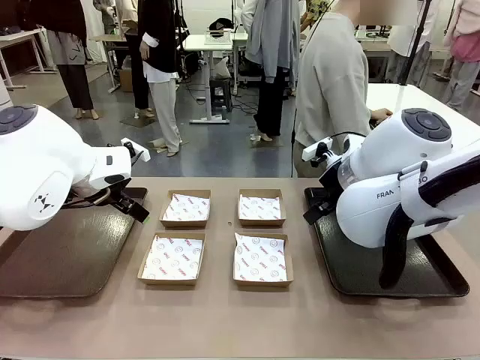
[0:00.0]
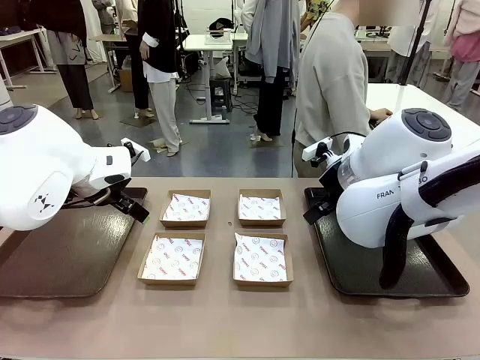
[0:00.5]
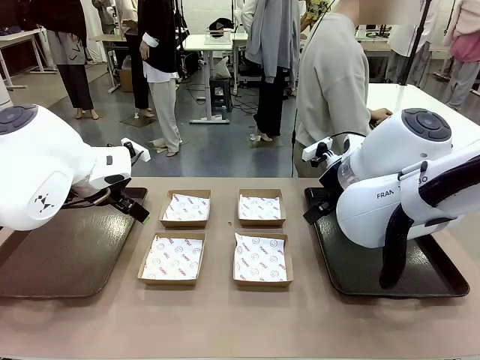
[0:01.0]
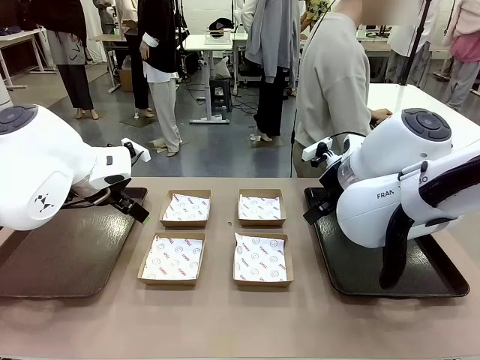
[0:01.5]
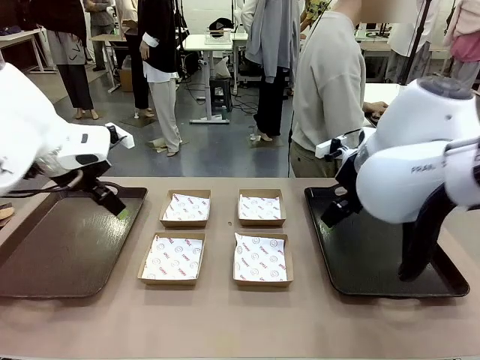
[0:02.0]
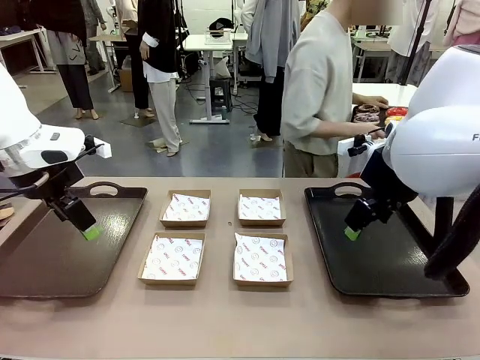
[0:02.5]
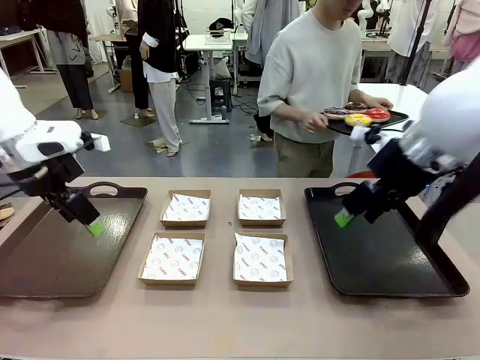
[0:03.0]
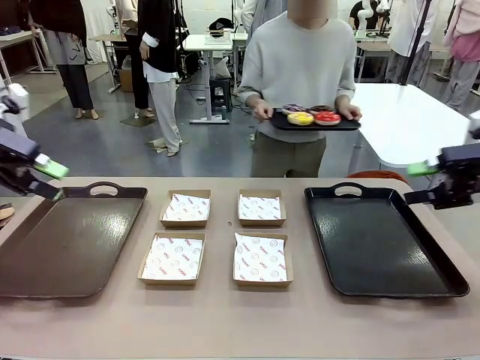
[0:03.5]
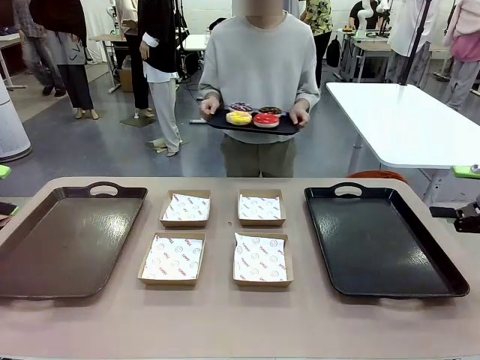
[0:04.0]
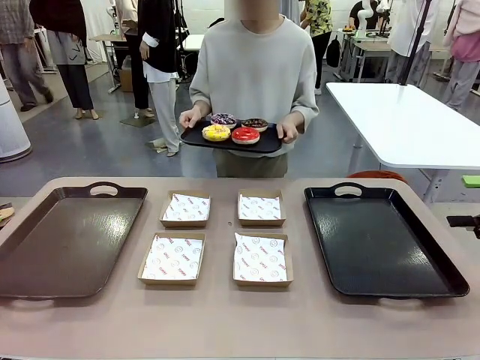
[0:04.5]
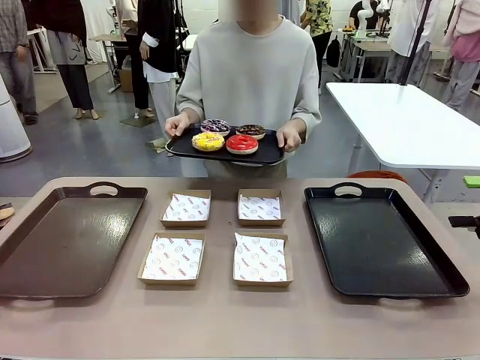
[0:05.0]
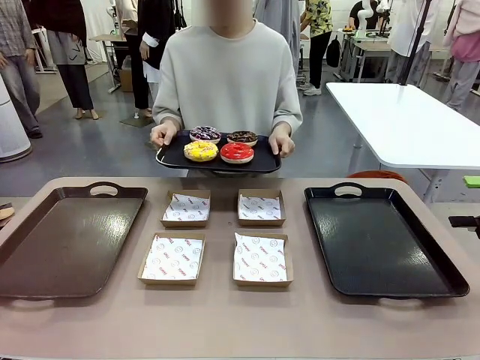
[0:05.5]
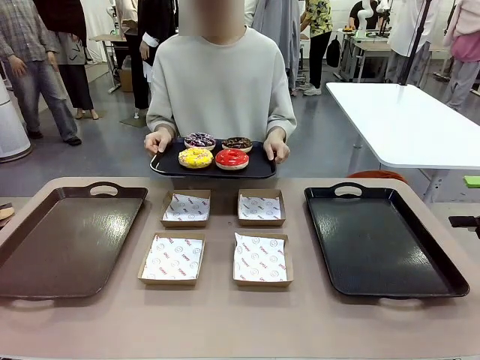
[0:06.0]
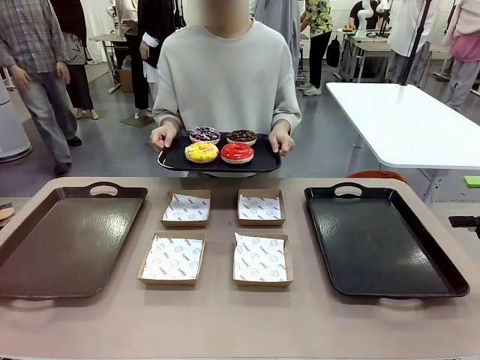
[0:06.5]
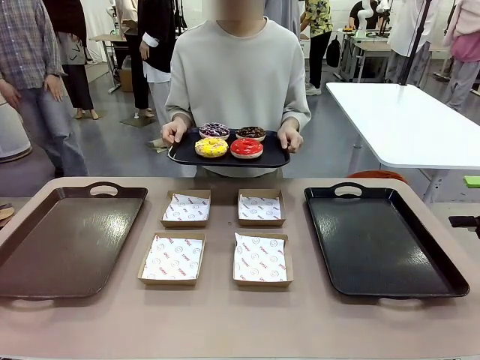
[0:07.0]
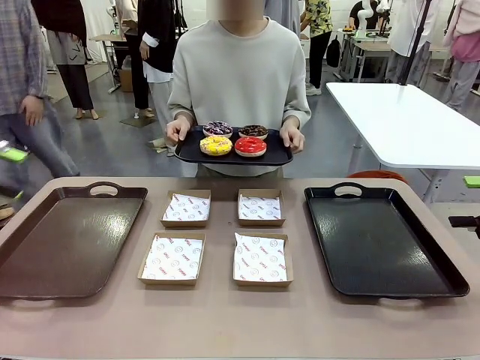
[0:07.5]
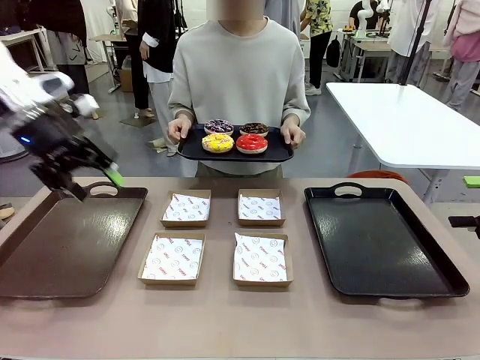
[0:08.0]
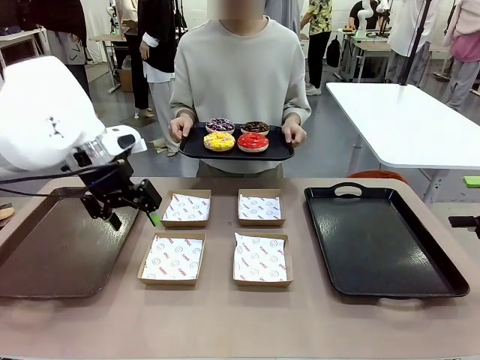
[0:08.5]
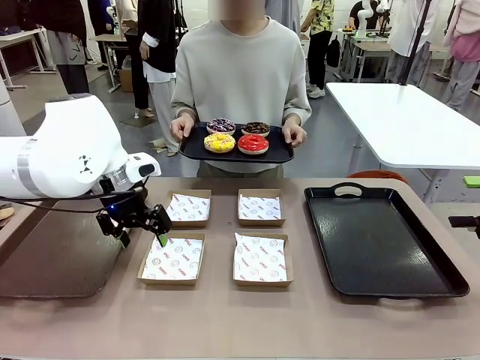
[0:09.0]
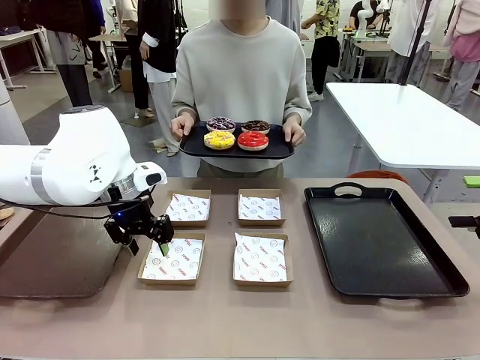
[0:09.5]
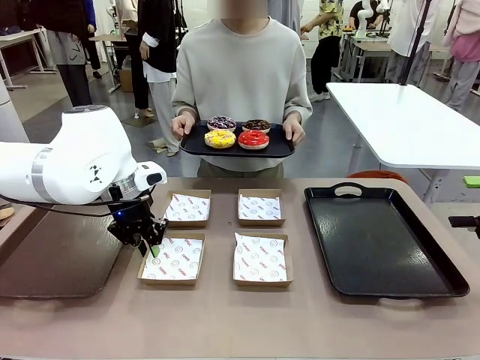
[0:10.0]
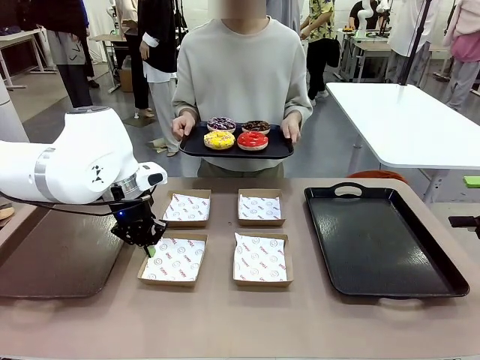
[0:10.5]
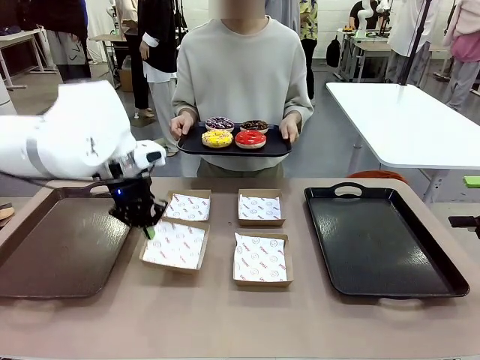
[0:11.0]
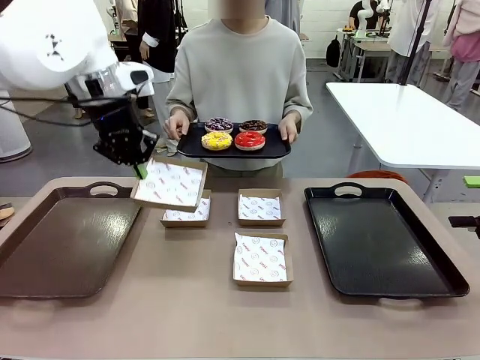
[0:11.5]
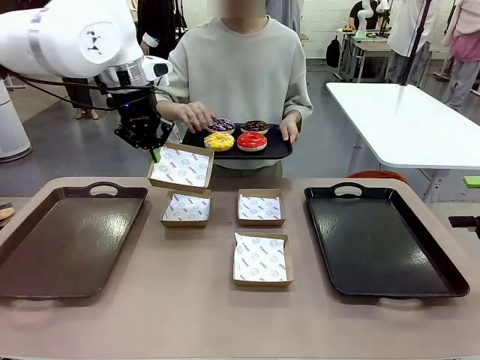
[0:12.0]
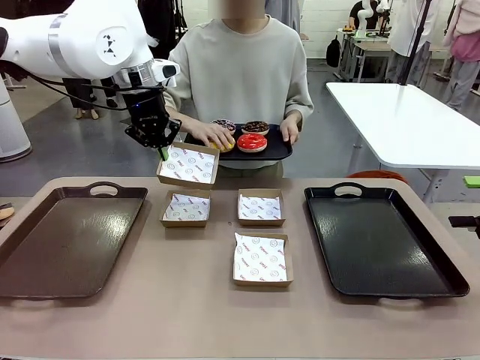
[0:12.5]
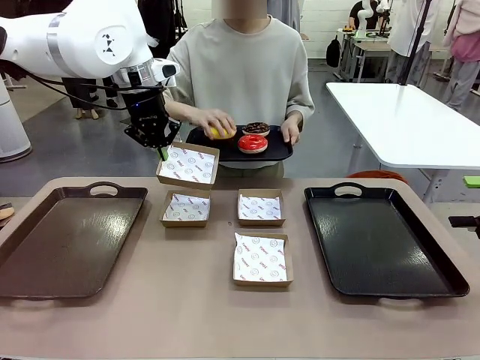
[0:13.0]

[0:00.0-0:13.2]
Task: Individually package the donuts and arrange them on the tray.
Robot: Pick up one Paper togo box.
Person: Stand in front of the robot table holding the tray containing the donuts.

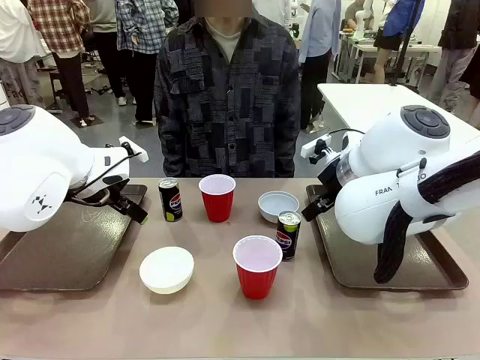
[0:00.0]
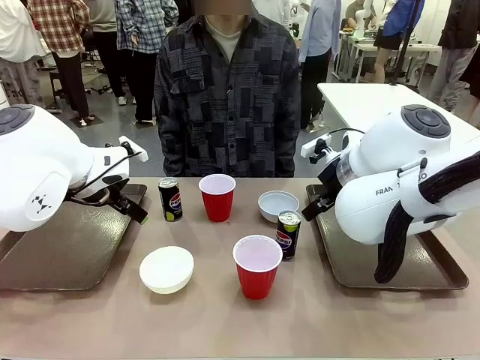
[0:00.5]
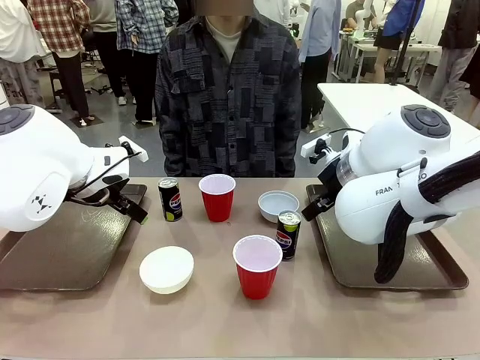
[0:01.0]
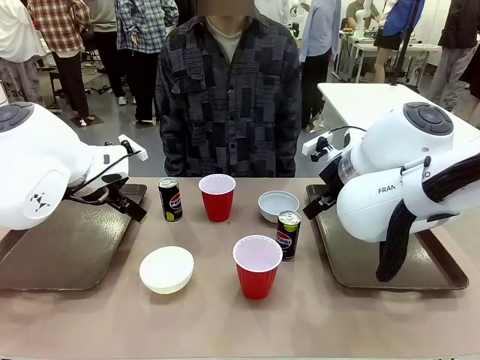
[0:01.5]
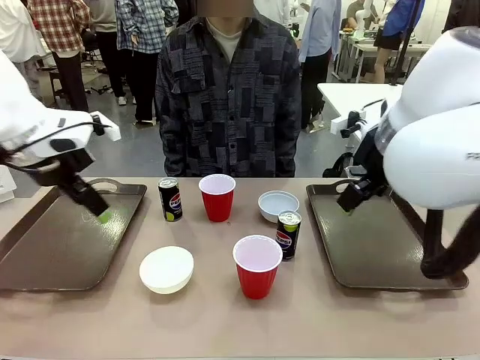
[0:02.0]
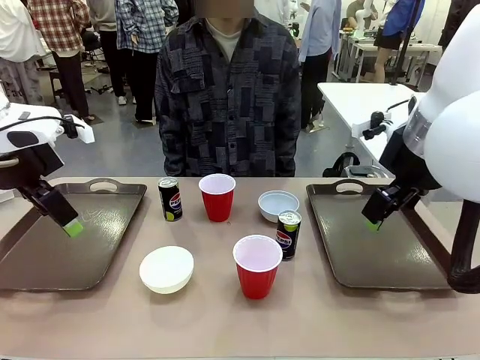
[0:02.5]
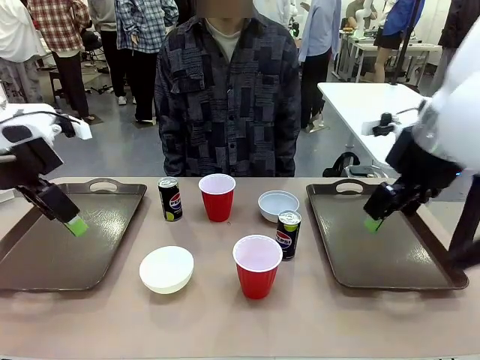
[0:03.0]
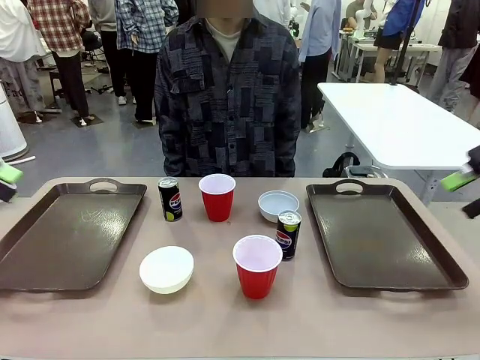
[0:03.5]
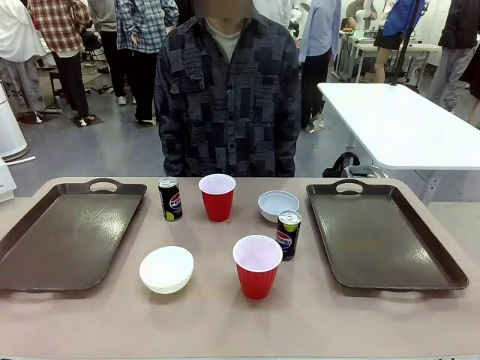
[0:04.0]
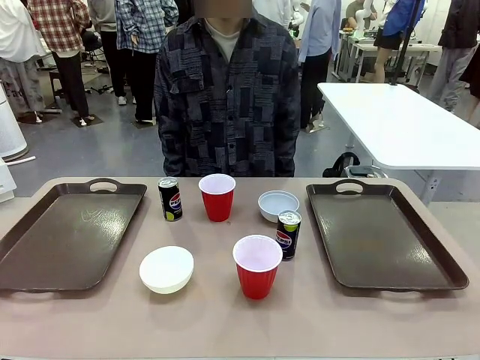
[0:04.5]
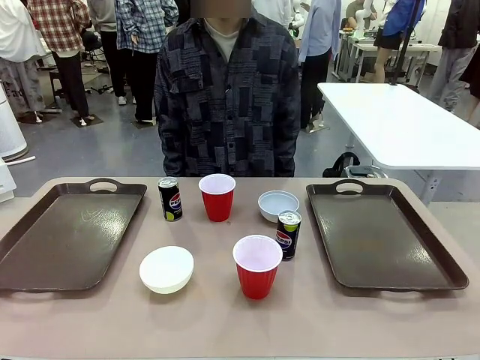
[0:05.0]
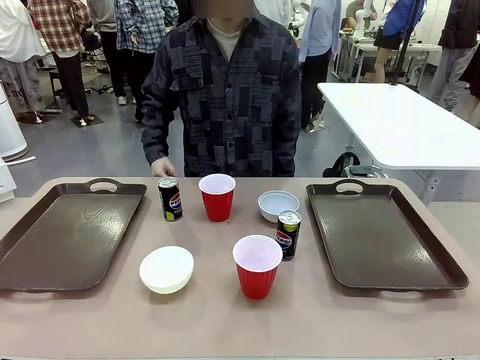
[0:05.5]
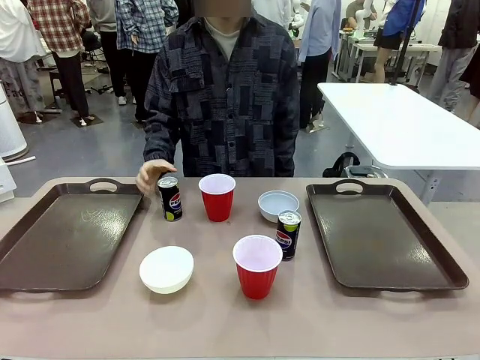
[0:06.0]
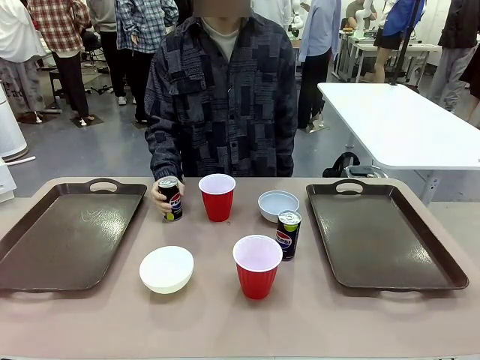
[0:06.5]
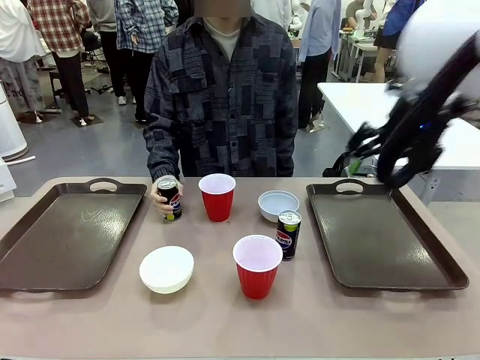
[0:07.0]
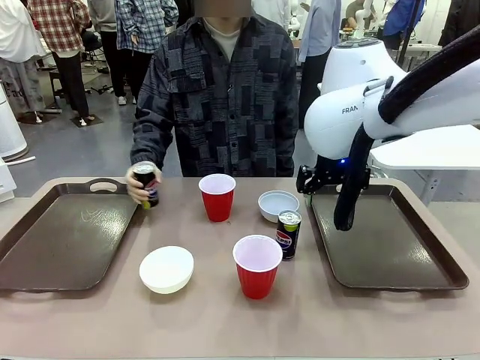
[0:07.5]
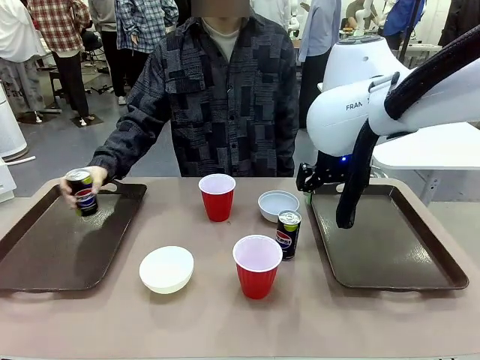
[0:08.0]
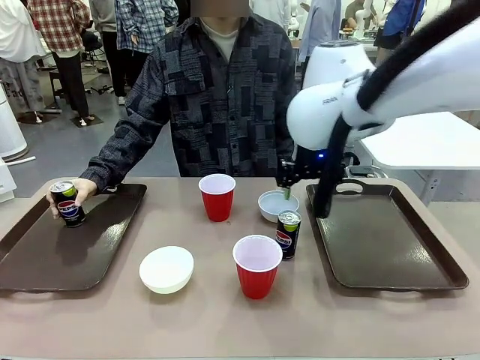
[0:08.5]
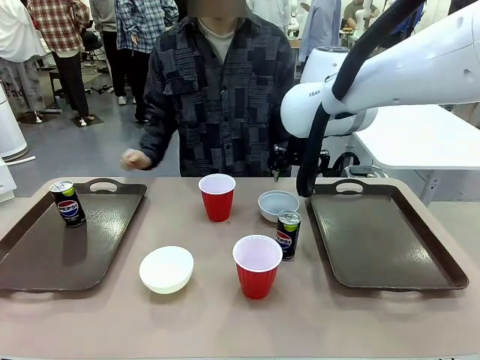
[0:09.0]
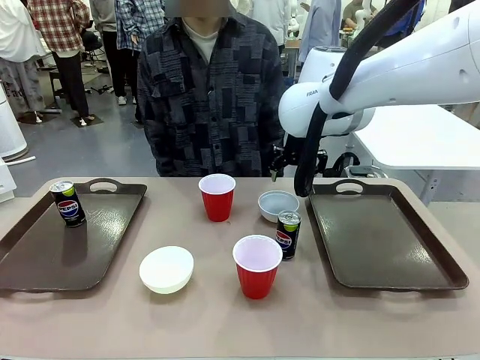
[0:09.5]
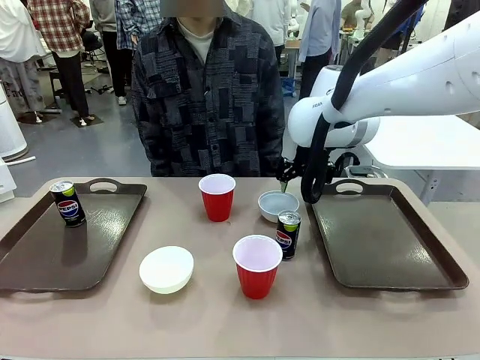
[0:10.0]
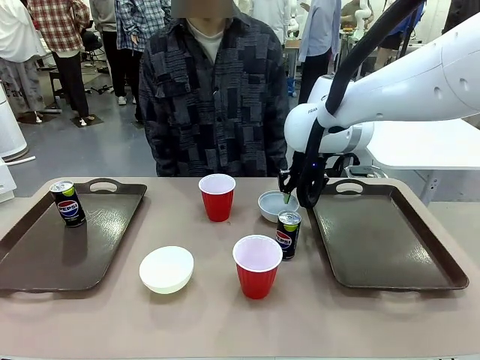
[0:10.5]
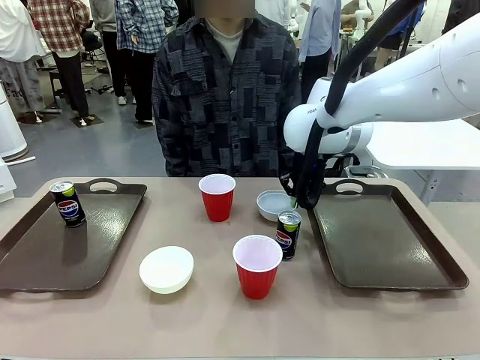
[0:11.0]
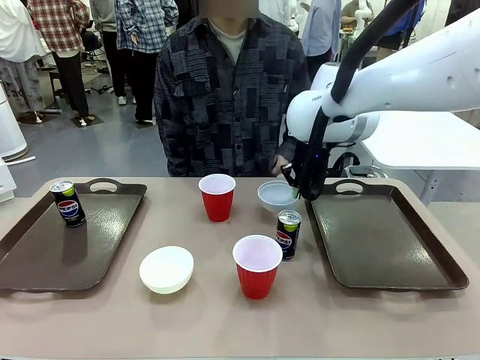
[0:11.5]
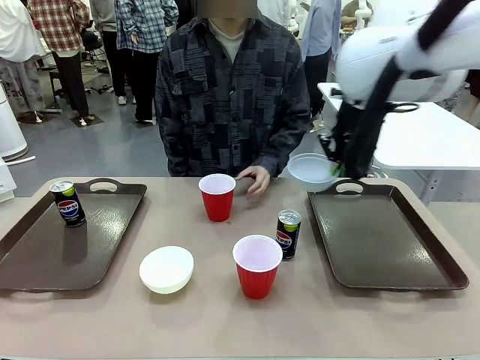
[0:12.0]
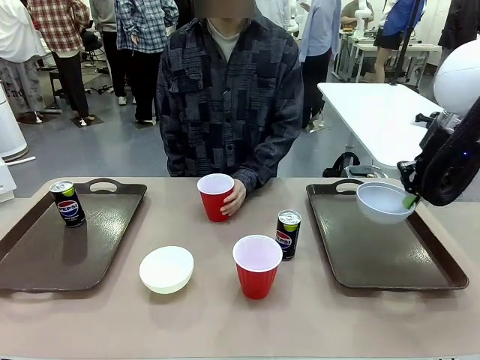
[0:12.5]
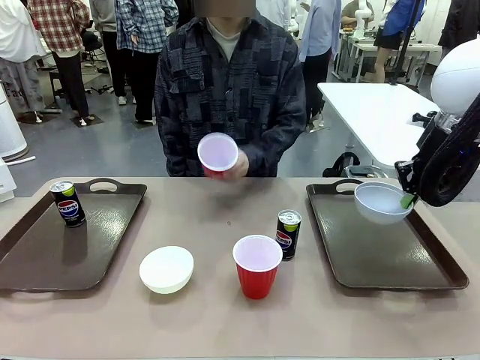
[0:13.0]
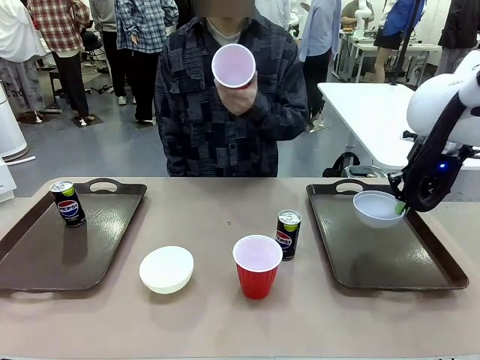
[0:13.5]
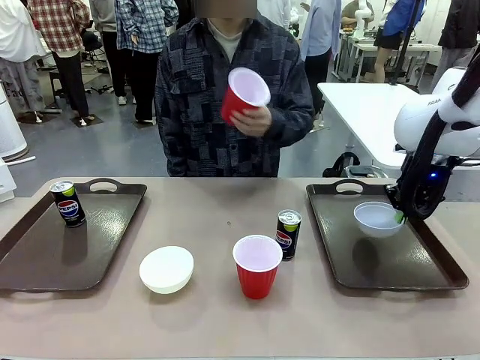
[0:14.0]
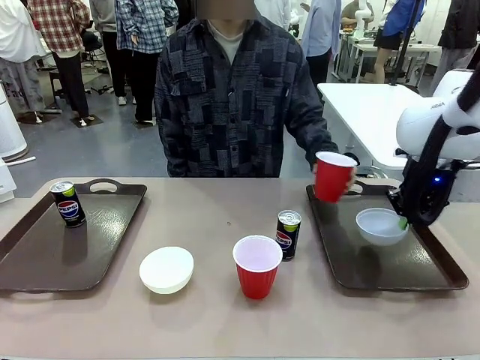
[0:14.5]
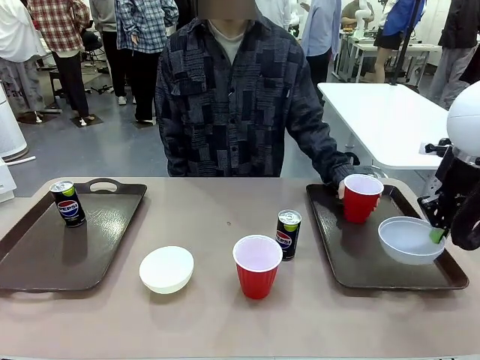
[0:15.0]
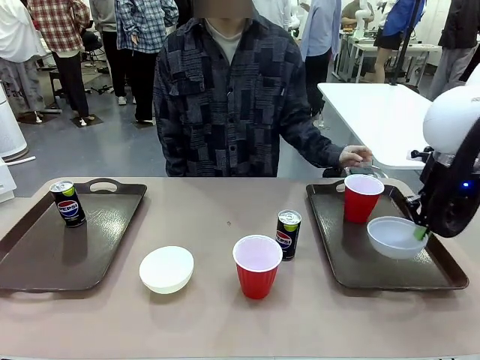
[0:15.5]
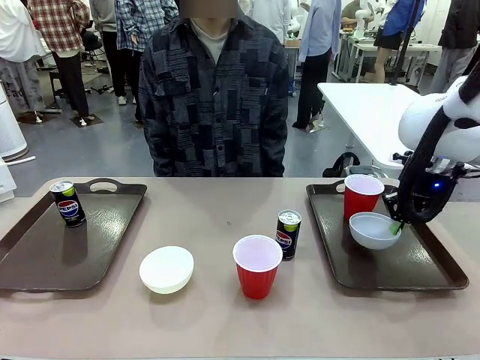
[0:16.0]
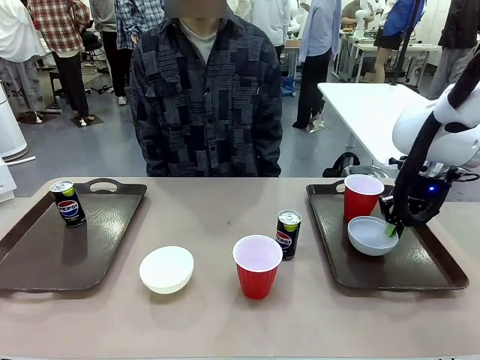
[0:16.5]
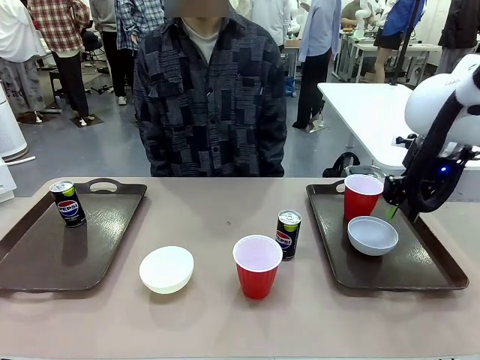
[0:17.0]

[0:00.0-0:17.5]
Task: Prepare tableware on both trays.
Robot: Pick up a Picnic Bowl from the table and place it on a Handle tray.
Person: Pick up a can or cup and place it on the tray.
